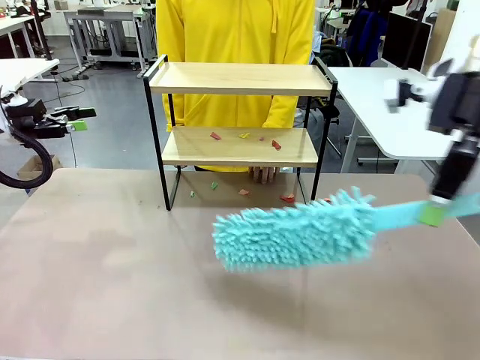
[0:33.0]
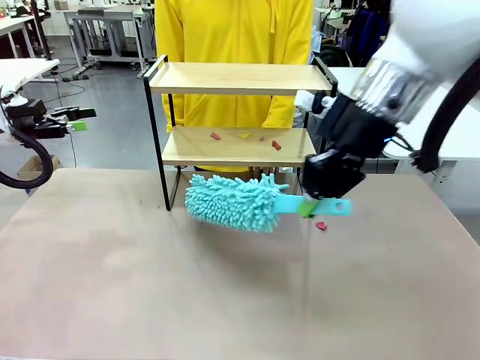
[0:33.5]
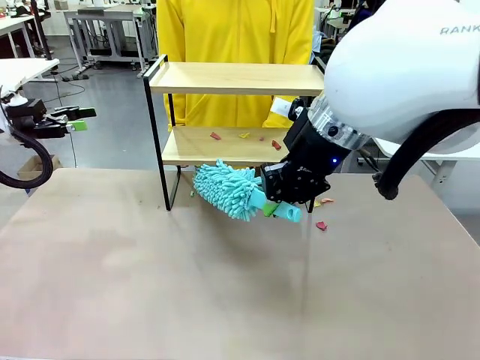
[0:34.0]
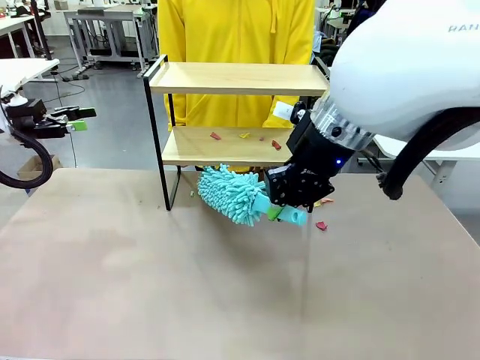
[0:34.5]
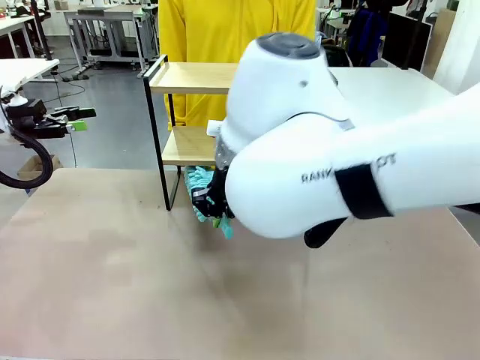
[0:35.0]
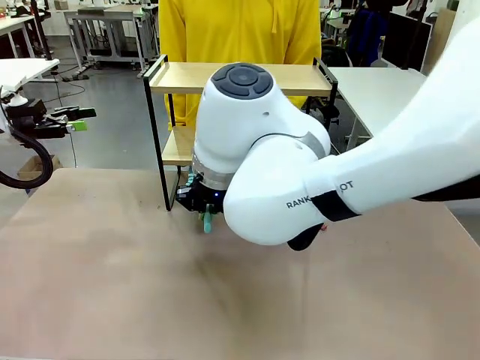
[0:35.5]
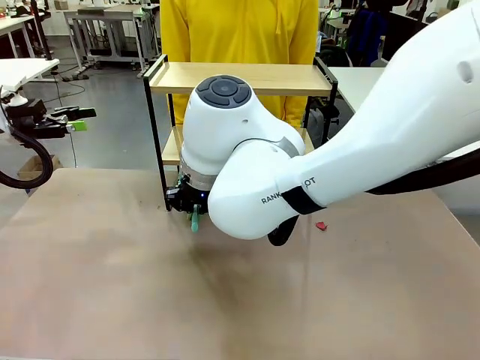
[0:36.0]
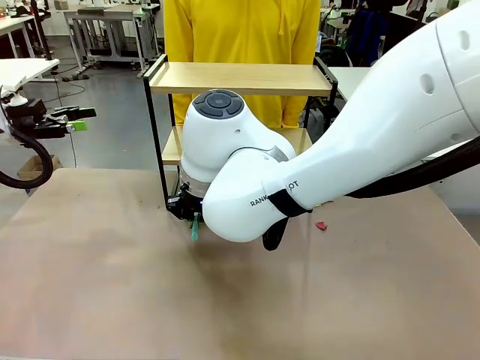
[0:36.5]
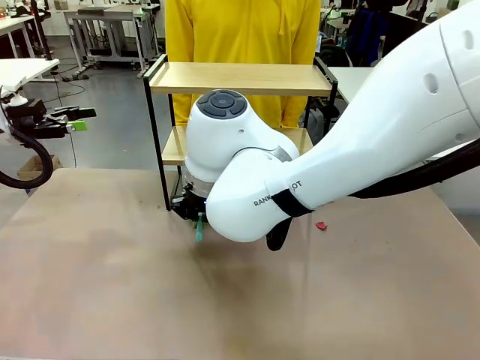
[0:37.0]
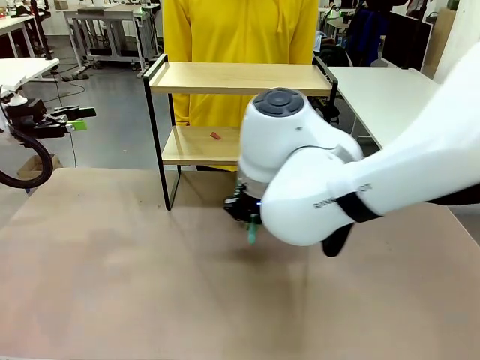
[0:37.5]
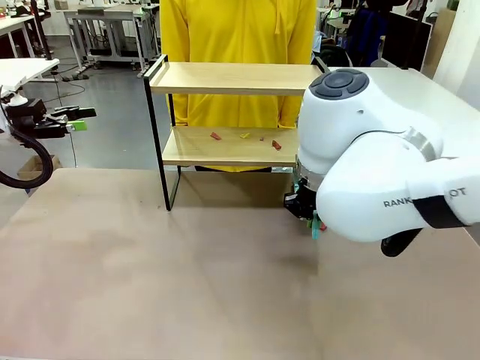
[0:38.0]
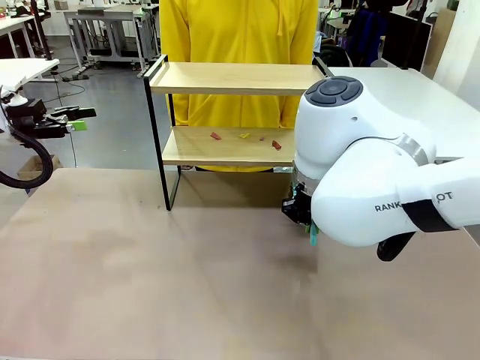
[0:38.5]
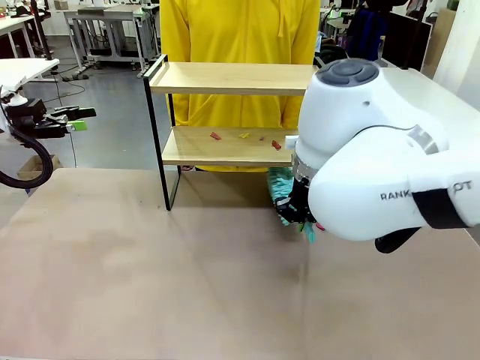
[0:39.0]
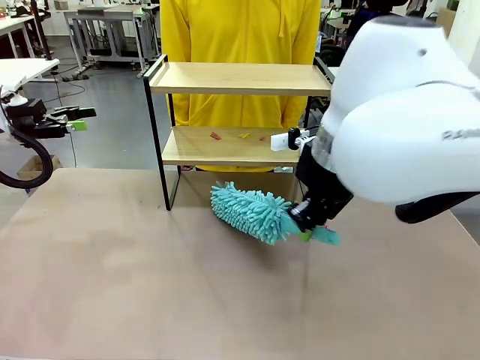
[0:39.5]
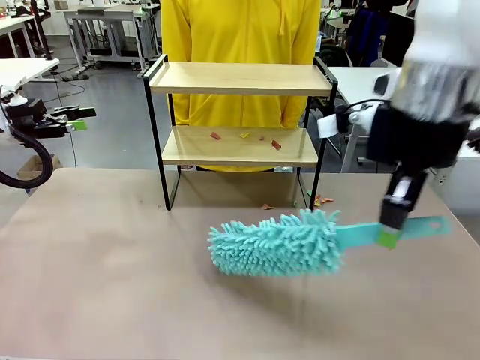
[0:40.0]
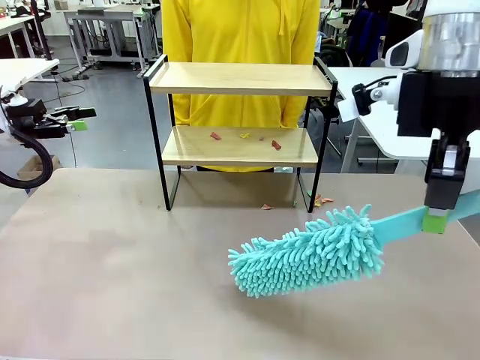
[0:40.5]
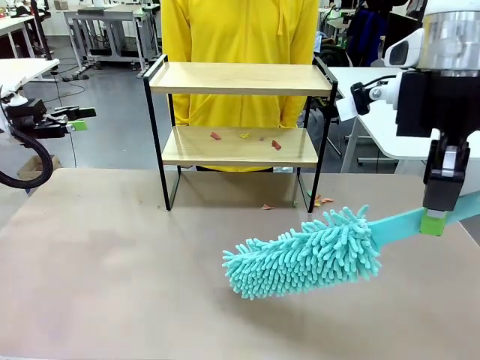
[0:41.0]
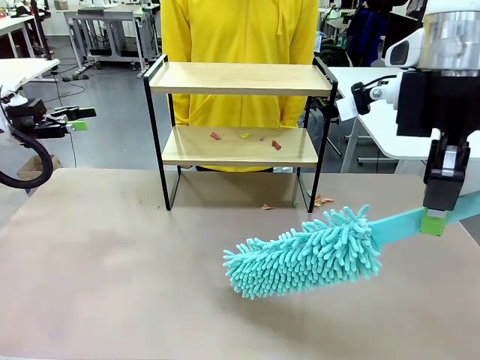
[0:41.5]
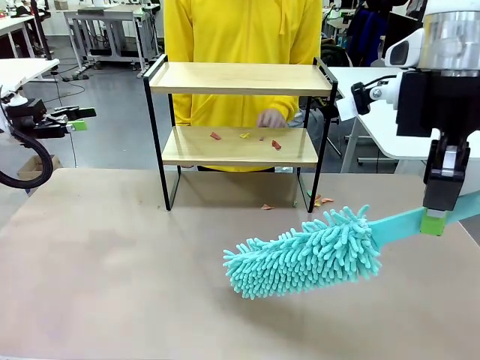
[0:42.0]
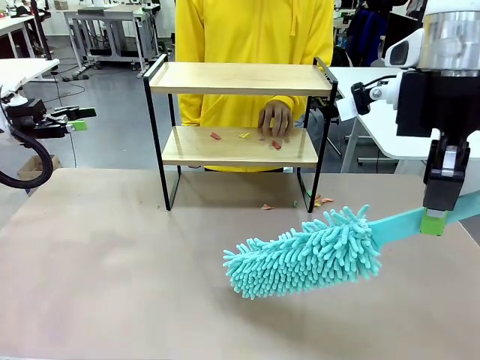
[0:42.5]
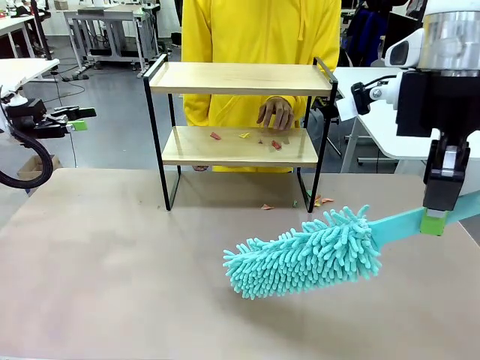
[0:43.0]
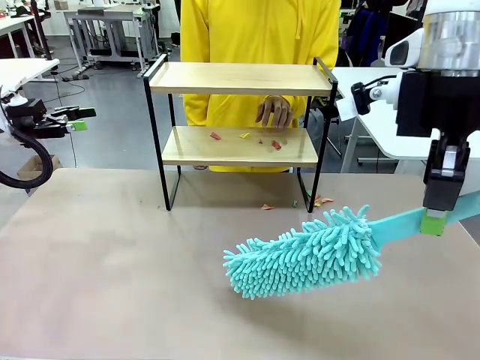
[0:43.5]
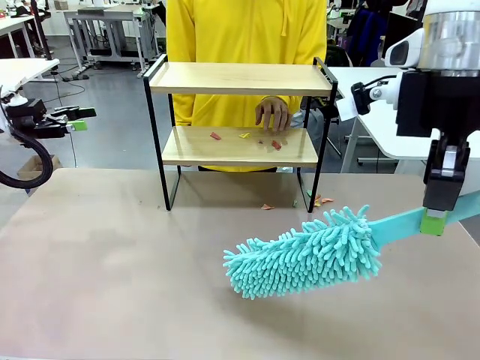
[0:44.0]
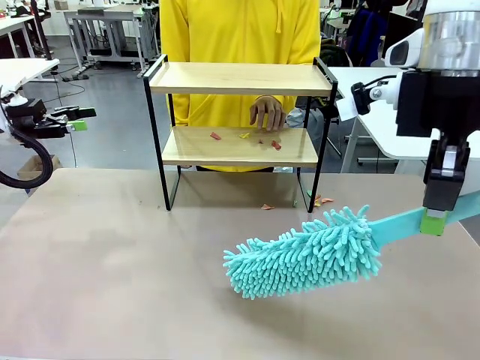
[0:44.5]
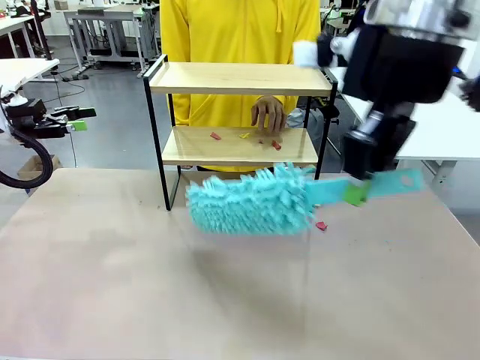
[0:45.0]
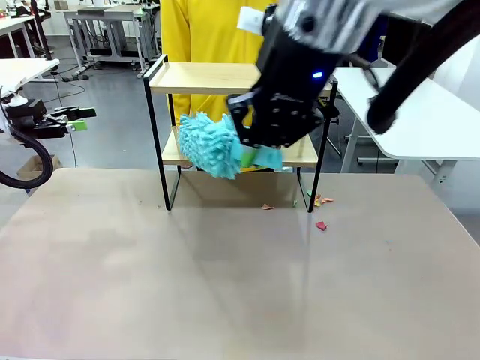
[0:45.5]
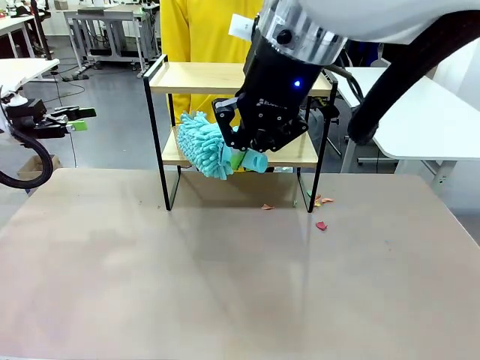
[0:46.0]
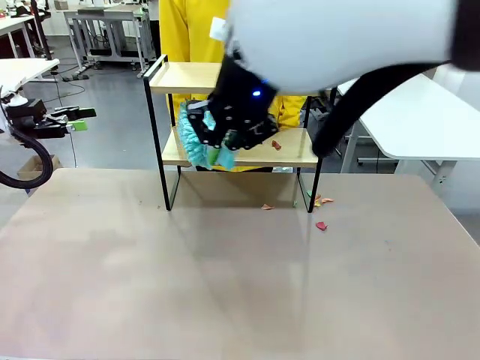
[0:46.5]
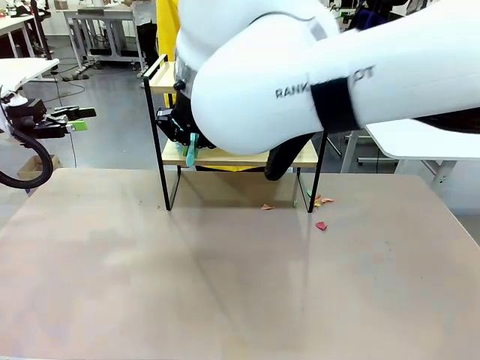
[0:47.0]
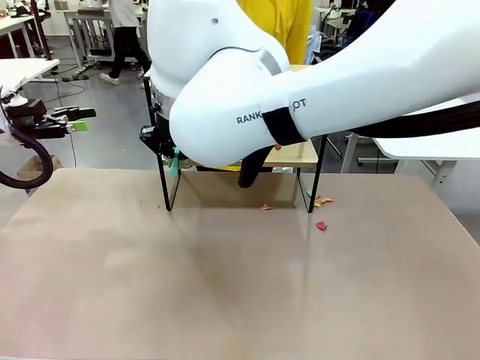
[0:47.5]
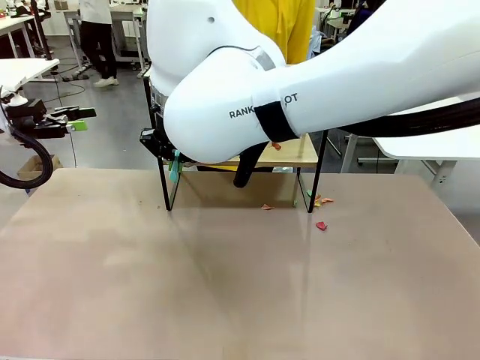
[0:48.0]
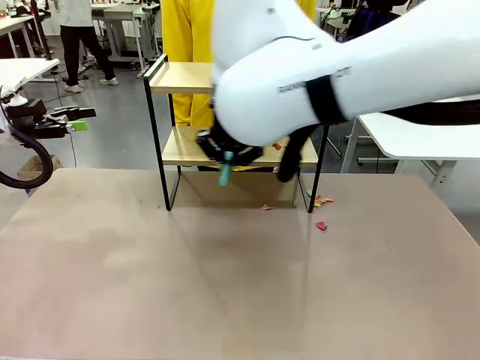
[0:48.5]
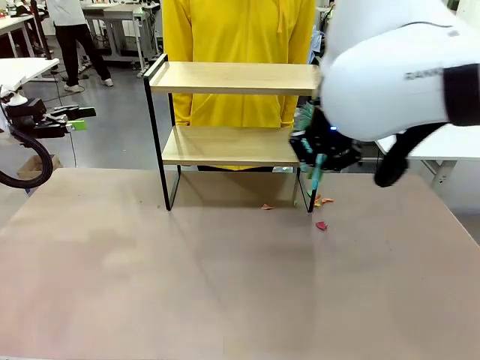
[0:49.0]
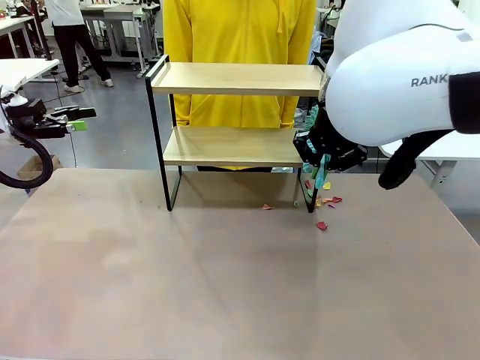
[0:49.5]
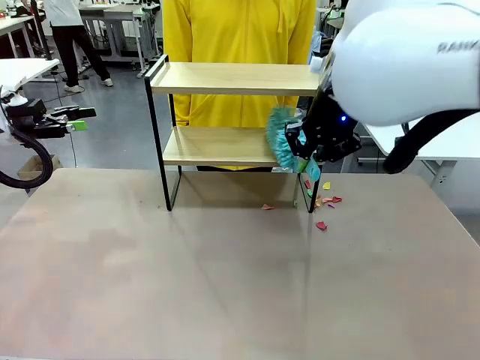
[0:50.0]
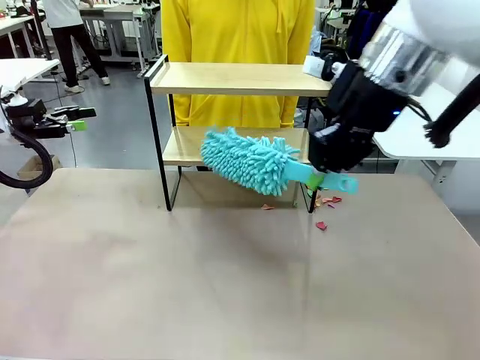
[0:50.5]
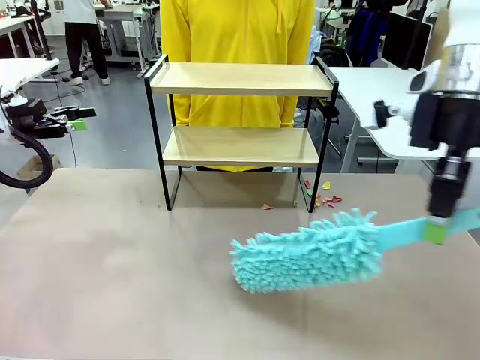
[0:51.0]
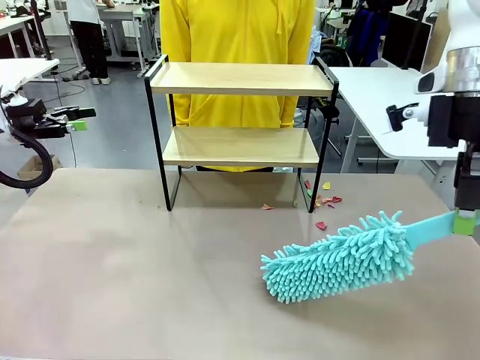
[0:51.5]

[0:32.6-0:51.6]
Task: Clean the shelf.
Robot: Clean the specific section of the Shelf indicated by the human with the Duster.
Person: Point a remaining section of the Shelf.
